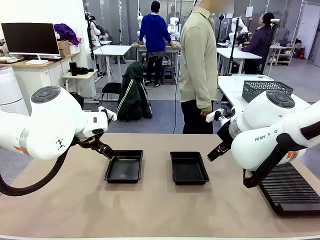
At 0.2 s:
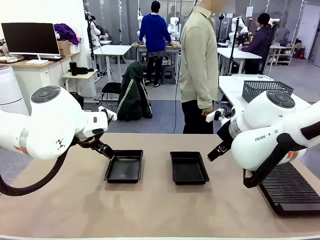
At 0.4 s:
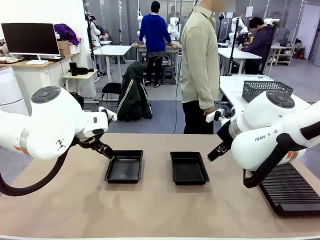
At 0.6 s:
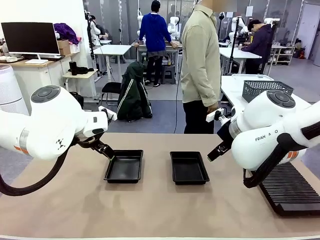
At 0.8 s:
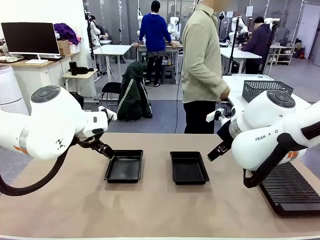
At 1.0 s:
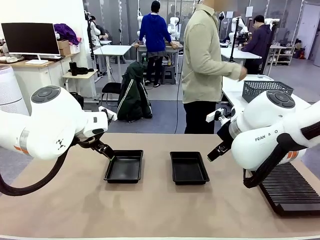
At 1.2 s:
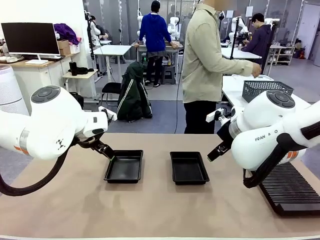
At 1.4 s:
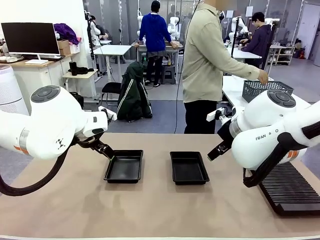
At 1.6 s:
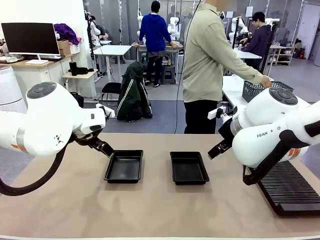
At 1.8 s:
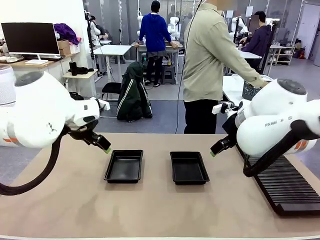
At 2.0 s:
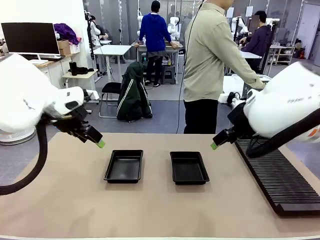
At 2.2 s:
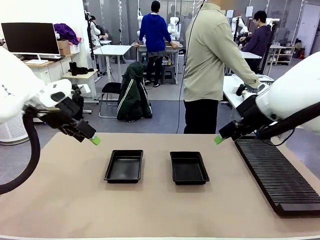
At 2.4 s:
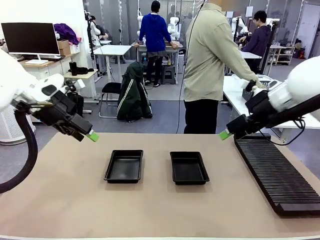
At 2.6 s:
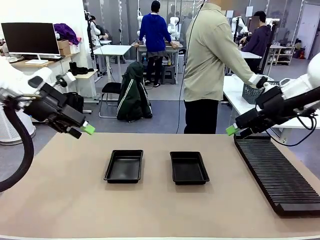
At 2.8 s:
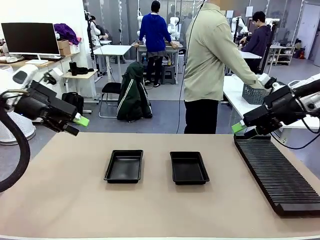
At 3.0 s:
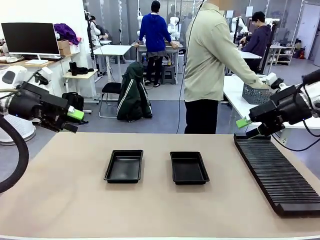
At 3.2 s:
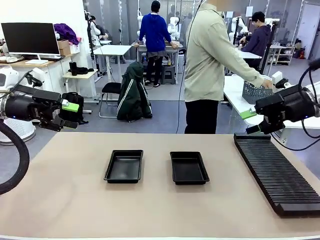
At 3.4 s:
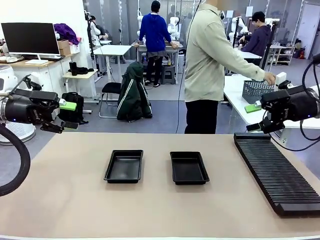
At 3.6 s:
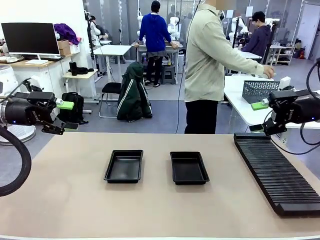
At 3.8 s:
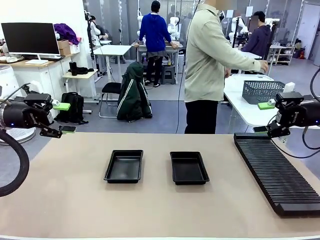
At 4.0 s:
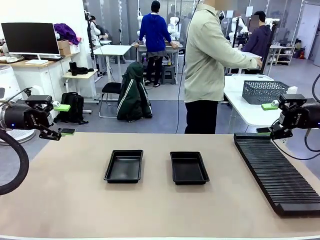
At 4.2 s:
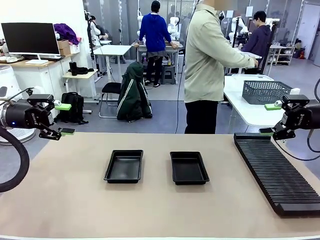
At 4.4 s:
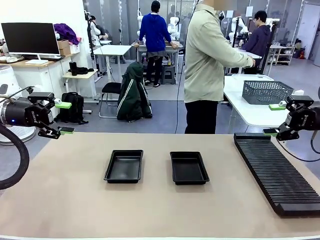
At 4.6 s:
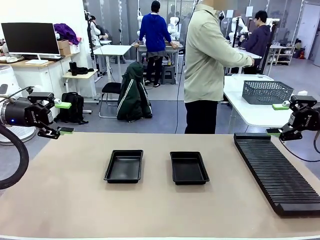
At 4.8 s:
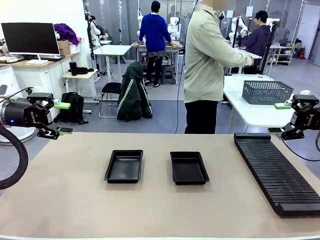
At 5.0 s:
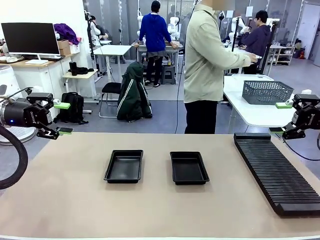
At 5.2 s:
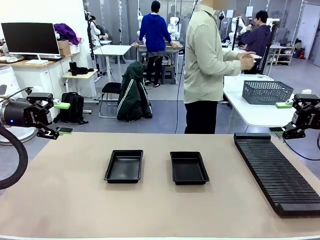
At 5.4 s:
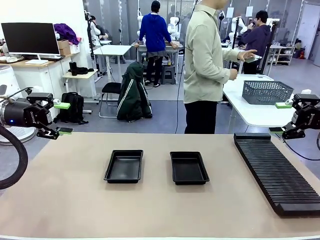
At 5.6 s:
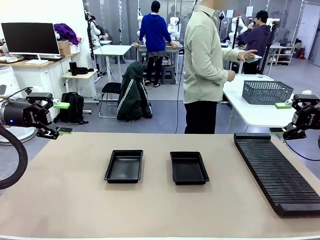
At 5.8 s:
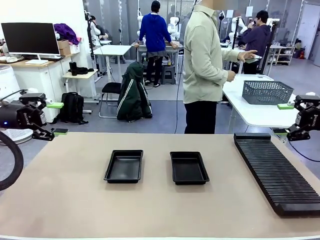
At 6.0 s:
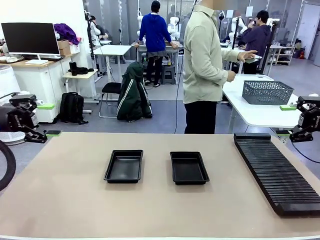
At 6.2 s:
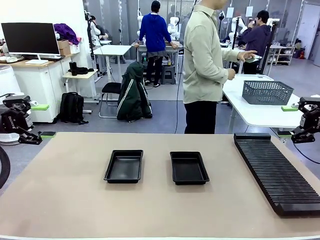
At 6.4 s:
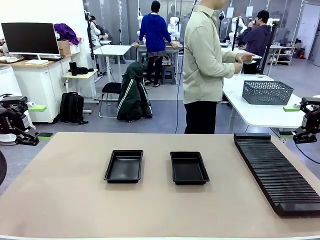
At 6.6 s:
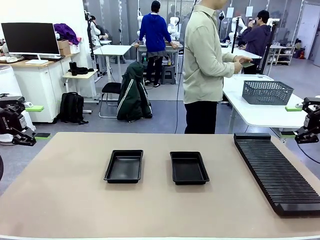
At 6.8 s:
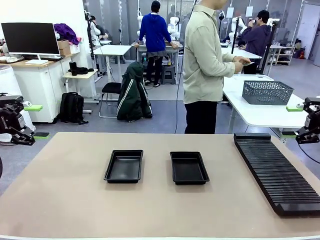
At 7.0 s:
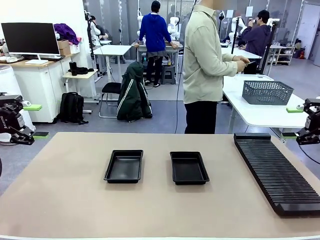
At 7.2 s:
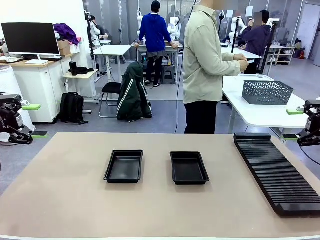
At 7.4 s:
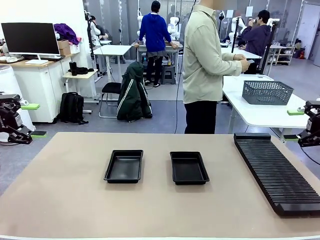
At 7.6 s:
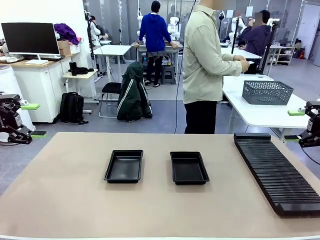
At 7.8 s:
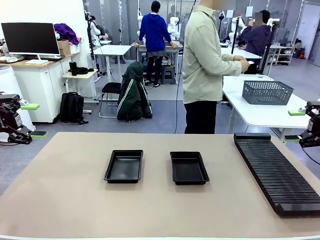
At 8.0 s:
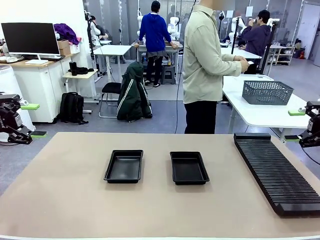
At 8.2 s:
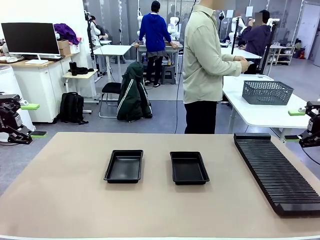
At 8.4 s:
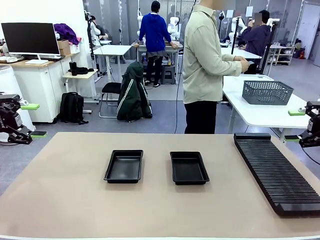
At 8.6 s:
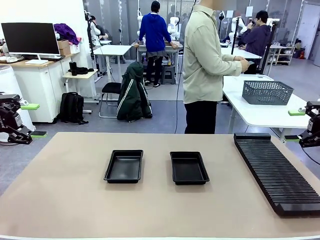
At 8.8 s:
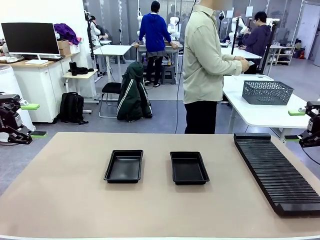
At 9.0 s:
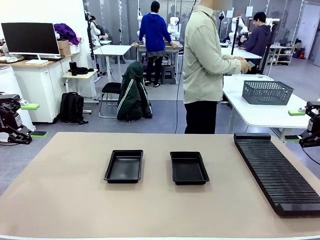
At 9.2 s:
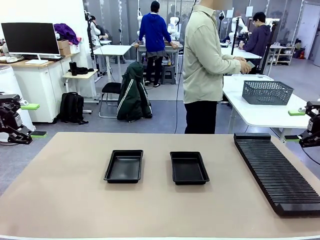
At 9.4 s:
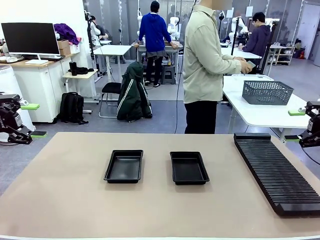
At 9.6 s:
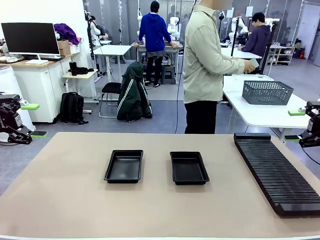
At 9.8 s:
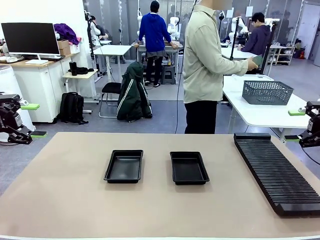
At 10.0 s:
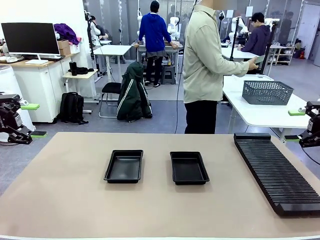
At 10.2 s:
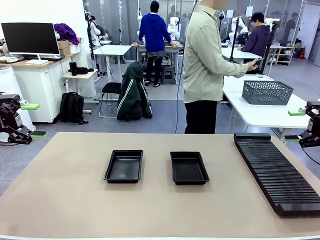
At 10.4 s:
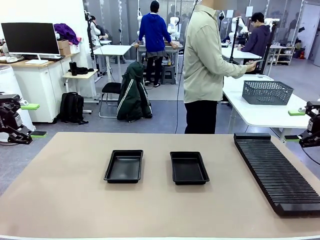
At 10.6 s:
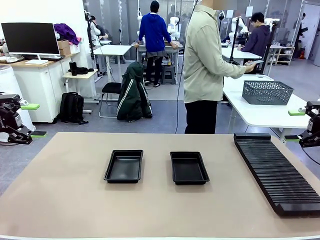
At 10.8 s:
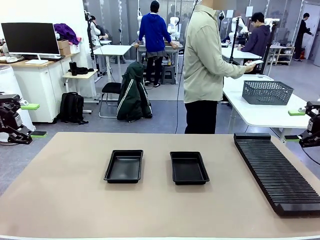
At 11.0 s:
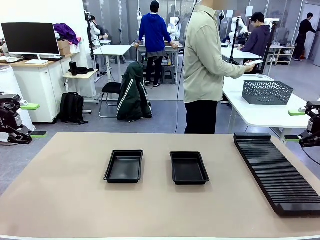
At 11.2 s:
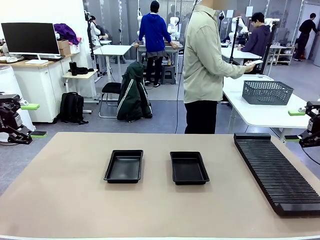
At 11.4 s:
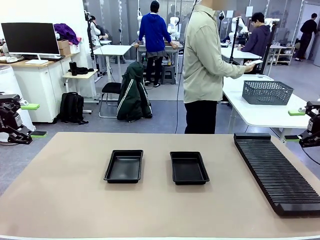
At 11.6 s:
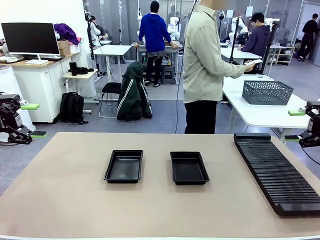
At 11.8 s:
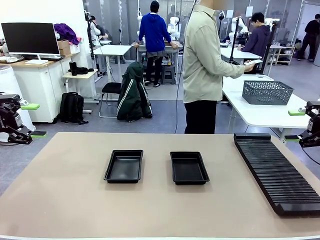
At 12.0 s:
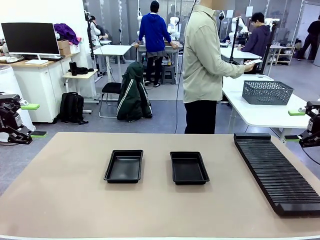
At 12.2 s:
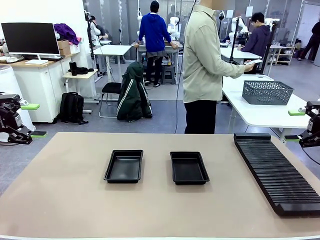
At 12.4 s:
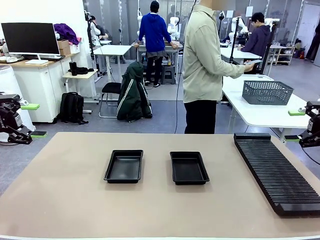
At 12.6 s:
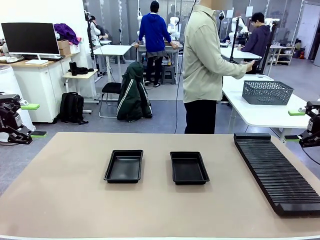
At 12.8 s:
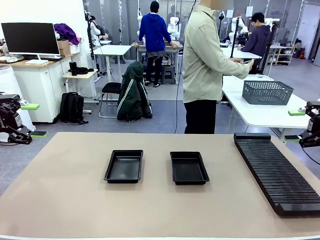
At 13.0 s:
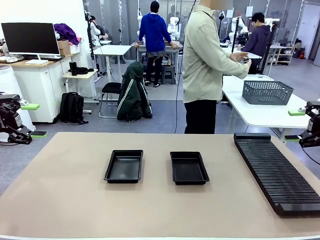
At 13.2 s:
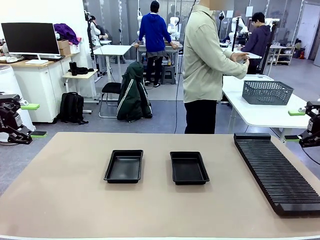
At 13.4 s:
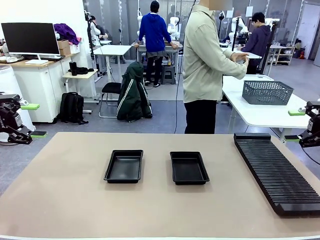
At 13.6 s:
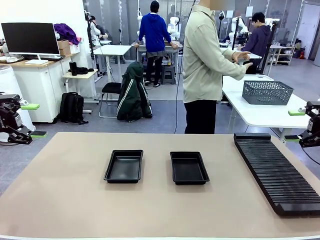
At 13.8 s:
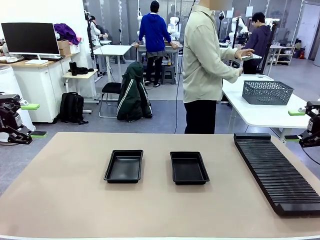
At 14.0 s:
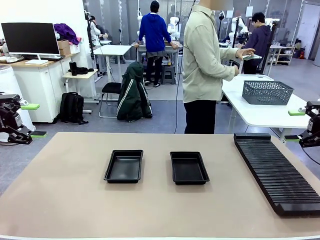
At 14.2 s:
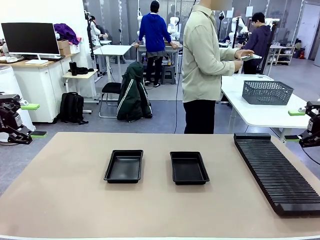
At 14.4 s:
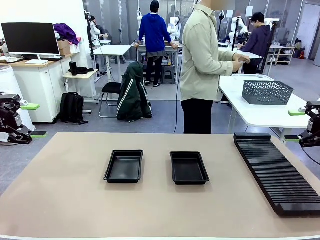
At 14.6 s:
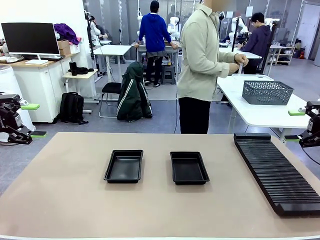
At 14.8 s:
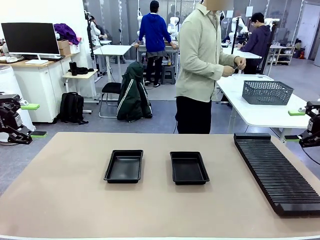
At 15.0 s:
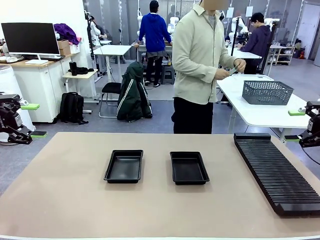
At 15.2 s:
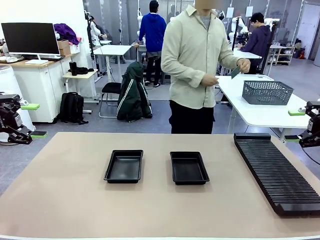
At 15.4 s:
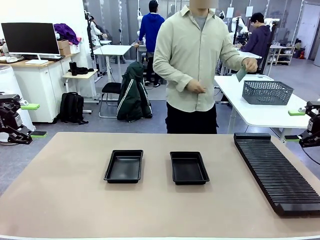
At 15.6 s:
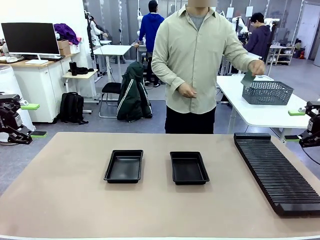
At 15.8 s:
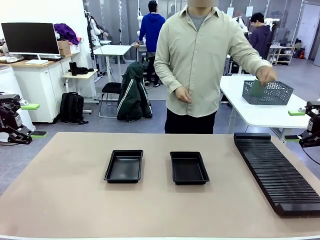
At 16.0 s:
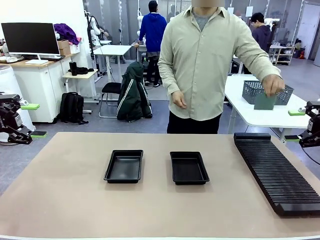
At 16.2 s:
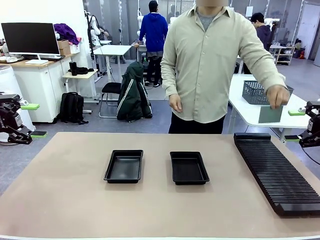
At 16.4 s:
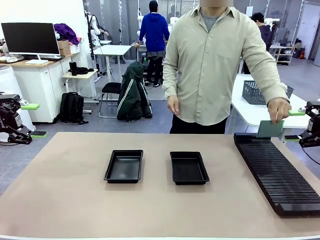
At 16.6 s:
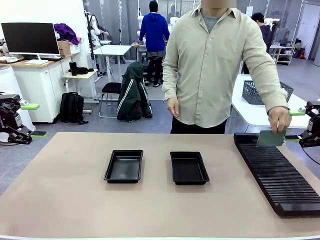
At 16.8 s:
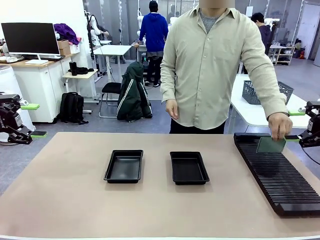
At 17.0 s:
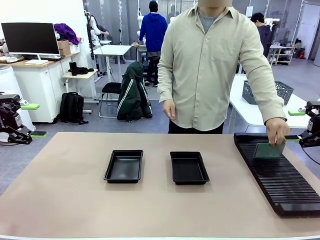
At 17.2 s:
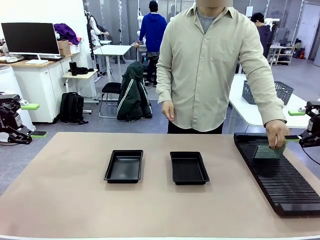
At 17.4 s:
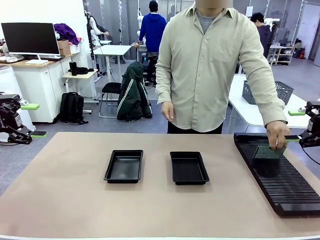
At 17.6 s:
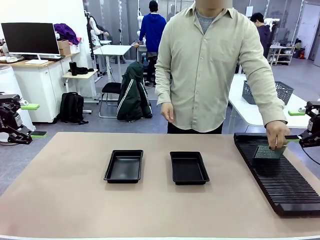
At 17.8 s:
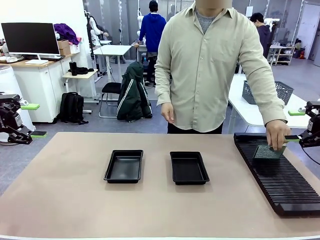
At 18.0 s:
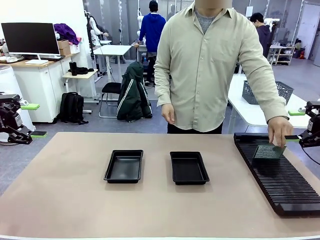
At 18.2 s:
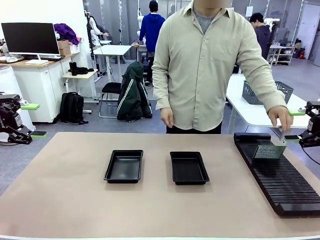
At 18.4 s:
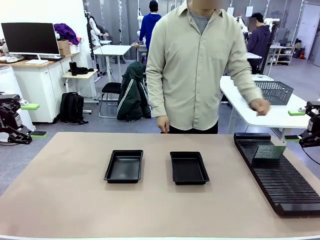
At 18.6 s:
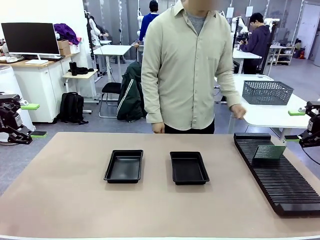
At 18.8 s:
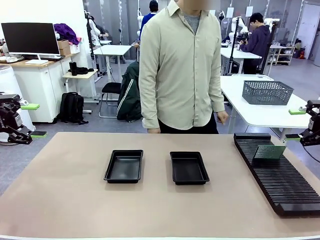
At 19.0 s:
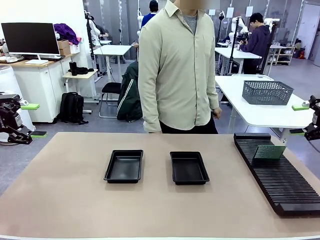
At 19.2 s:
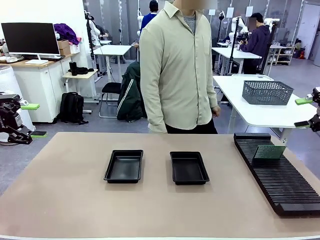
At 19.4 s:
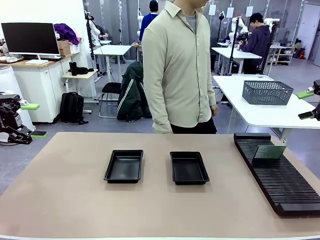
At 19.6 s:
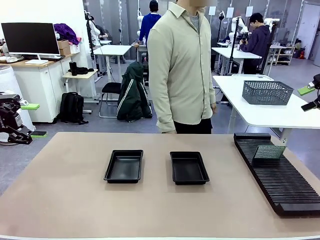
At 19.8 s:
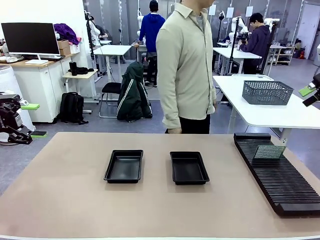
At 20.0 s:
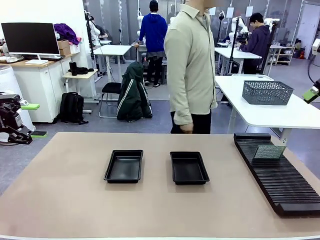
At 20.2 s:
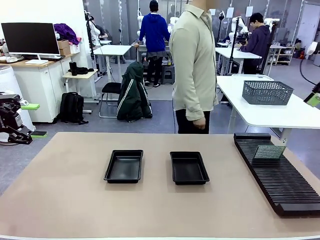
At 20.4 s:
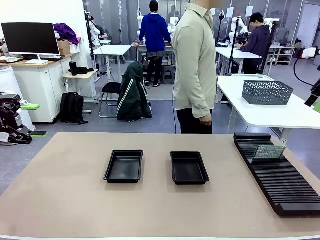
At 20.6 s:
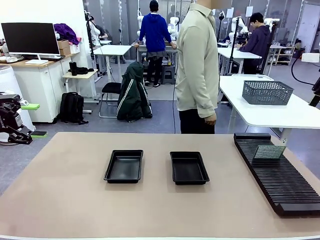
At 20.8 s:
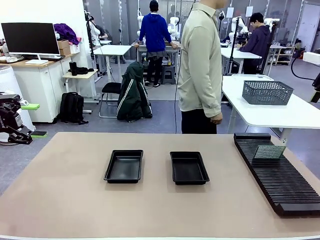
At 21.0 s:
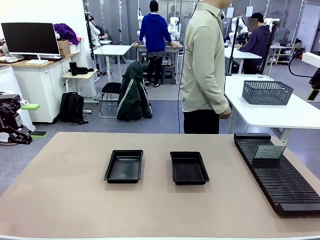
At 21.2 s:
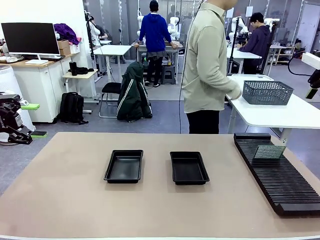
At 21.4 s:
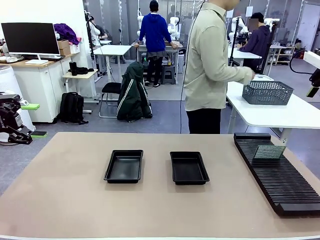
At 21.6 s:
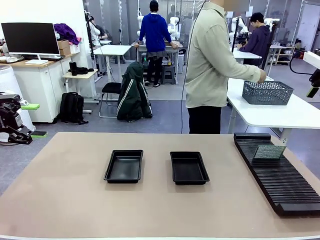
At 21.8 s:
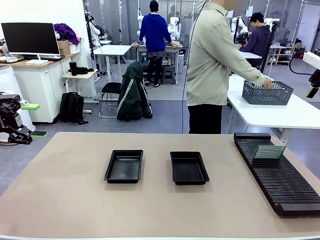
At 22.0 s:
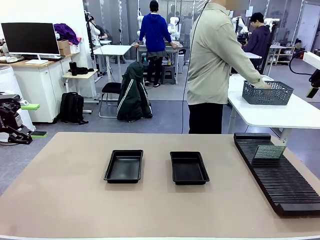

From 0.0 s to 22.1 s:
Task: Inspect and transfer BCBs to ESD trays.
Robot: Pick up the Blank PCB from the PCB Rack and place it in the left ESD tray.
